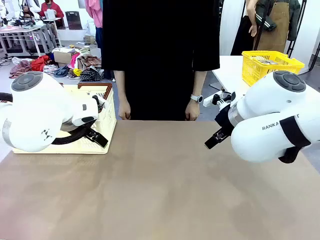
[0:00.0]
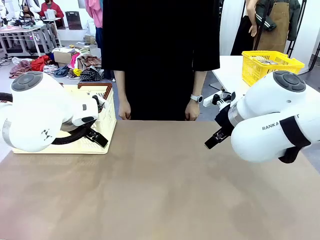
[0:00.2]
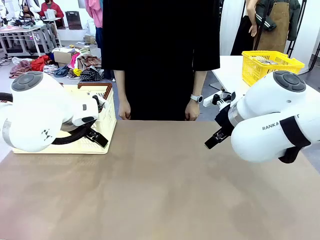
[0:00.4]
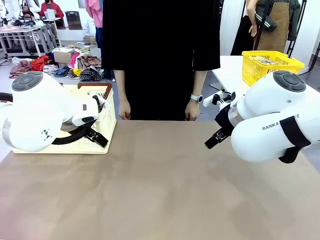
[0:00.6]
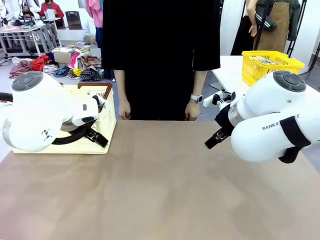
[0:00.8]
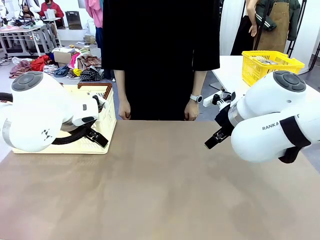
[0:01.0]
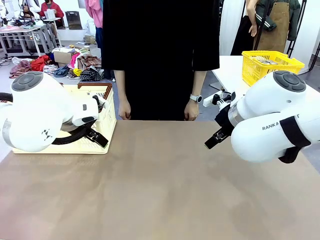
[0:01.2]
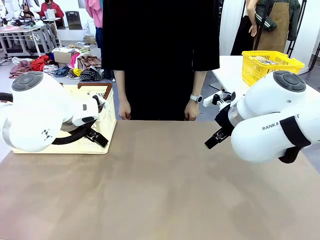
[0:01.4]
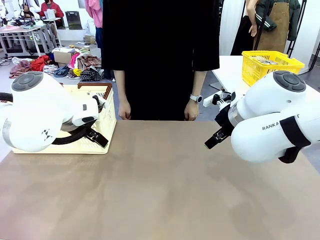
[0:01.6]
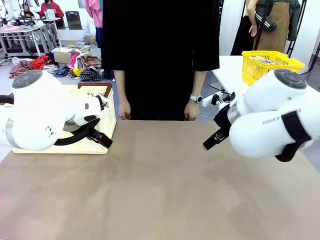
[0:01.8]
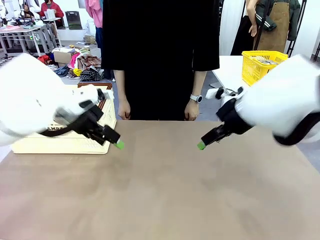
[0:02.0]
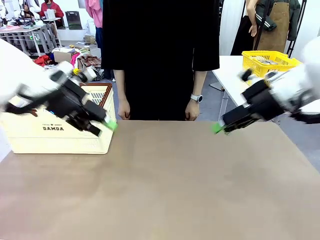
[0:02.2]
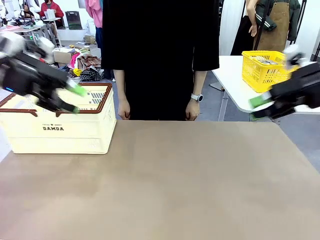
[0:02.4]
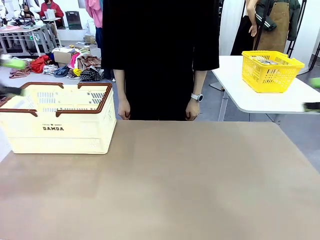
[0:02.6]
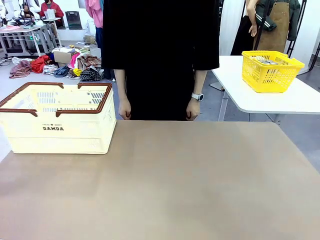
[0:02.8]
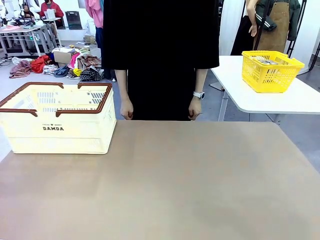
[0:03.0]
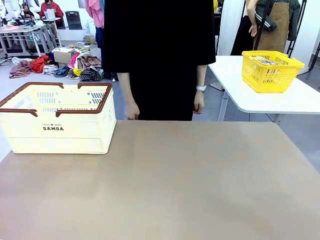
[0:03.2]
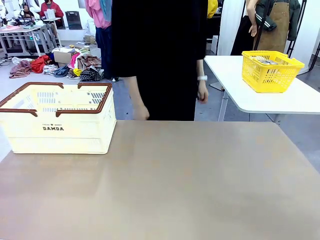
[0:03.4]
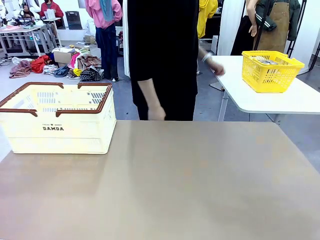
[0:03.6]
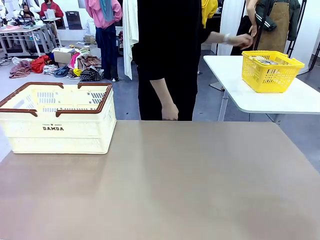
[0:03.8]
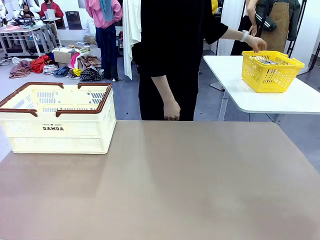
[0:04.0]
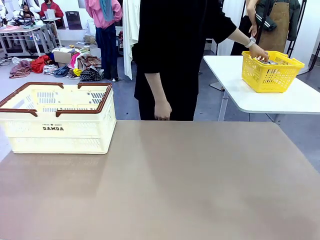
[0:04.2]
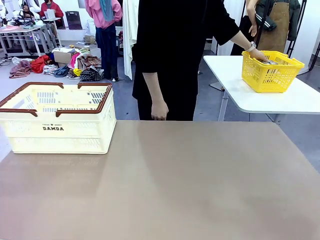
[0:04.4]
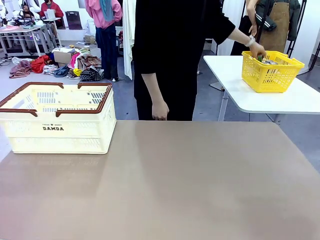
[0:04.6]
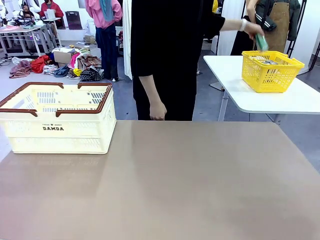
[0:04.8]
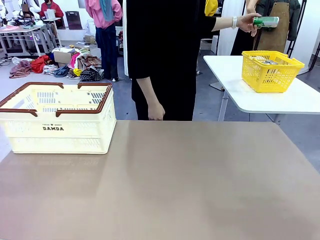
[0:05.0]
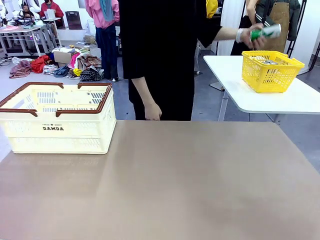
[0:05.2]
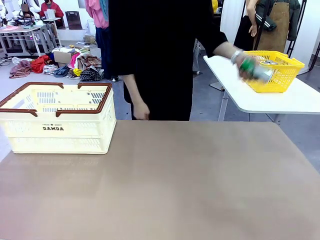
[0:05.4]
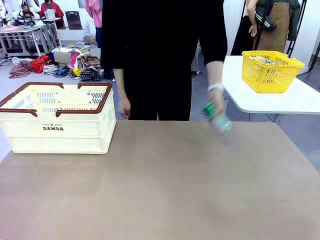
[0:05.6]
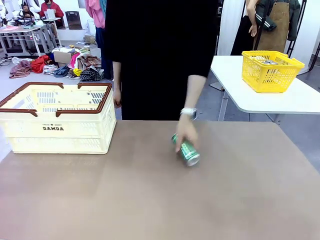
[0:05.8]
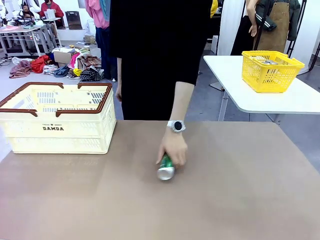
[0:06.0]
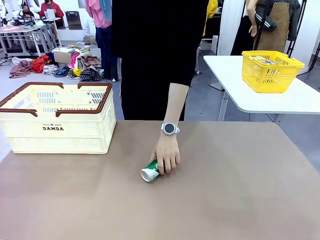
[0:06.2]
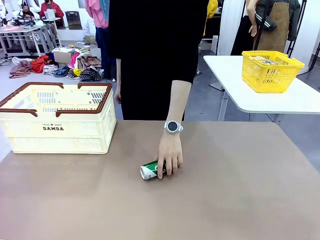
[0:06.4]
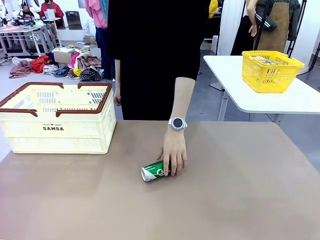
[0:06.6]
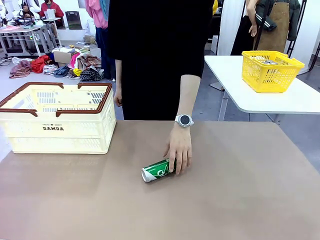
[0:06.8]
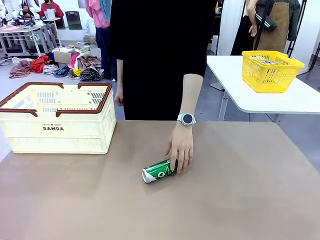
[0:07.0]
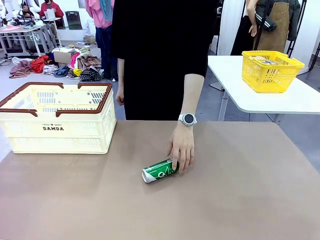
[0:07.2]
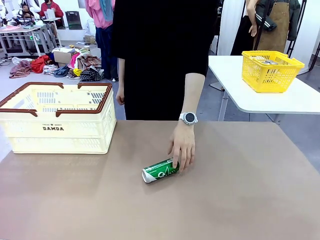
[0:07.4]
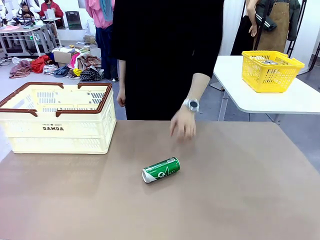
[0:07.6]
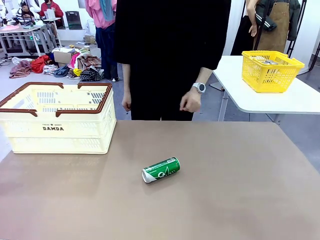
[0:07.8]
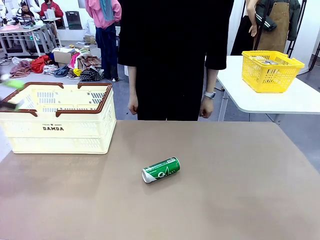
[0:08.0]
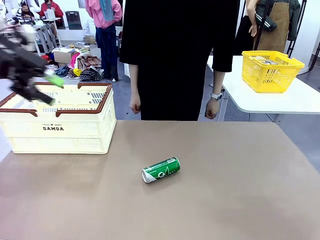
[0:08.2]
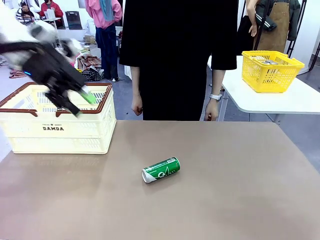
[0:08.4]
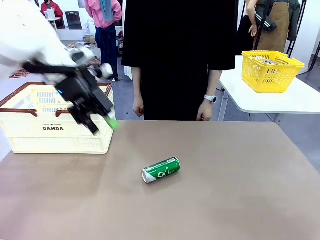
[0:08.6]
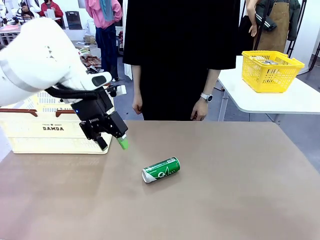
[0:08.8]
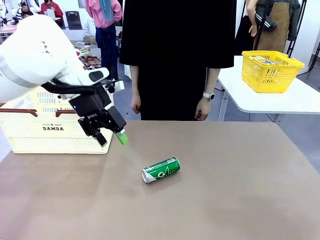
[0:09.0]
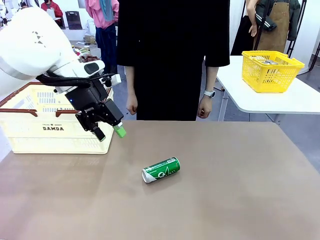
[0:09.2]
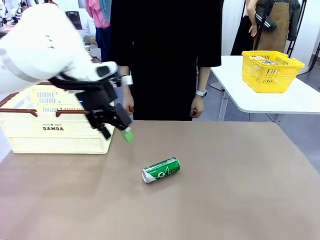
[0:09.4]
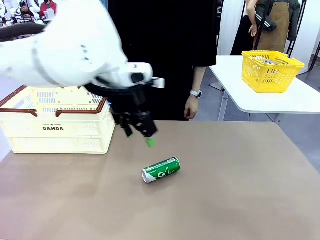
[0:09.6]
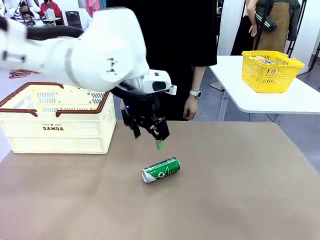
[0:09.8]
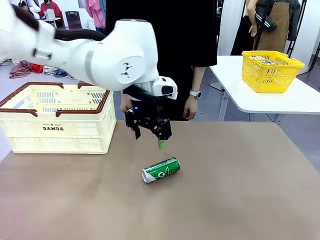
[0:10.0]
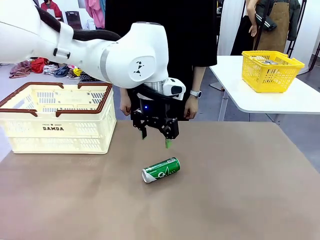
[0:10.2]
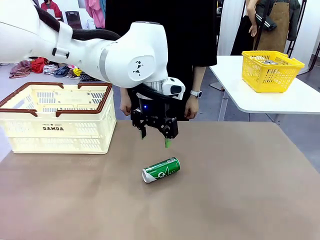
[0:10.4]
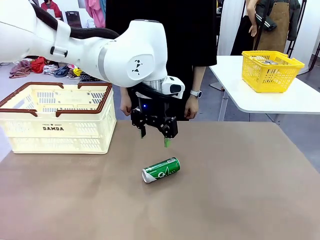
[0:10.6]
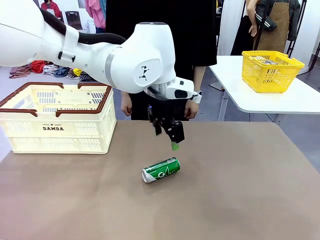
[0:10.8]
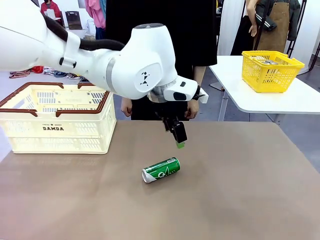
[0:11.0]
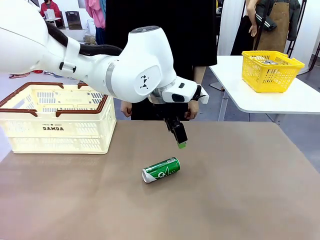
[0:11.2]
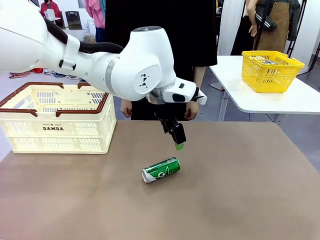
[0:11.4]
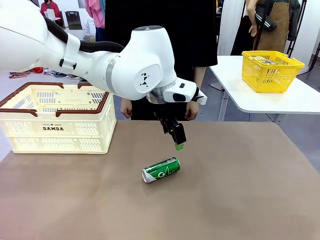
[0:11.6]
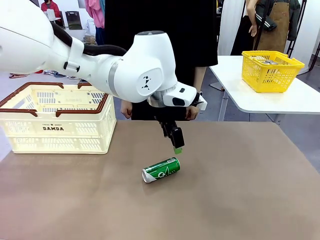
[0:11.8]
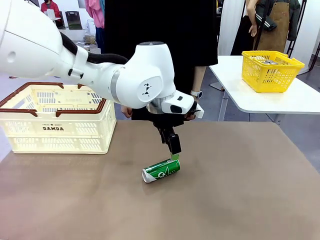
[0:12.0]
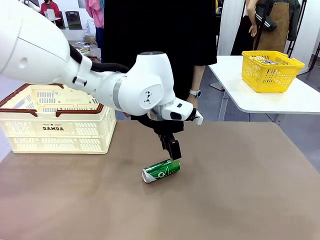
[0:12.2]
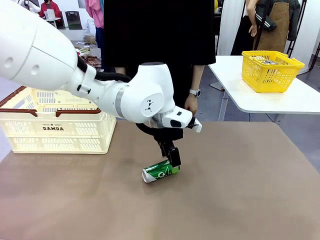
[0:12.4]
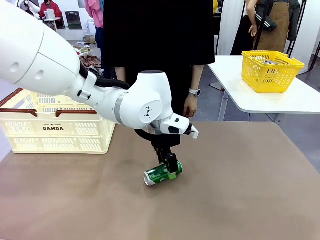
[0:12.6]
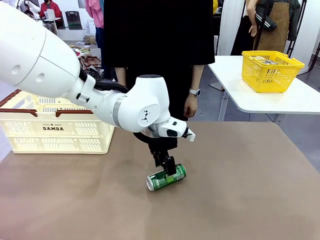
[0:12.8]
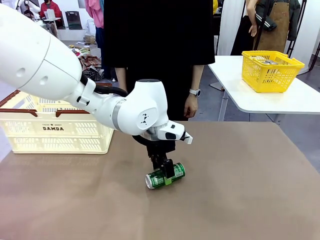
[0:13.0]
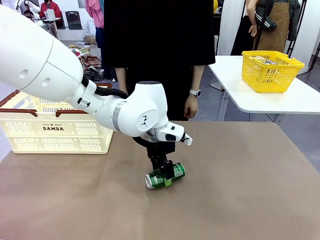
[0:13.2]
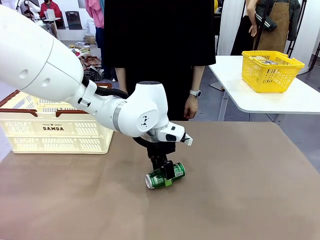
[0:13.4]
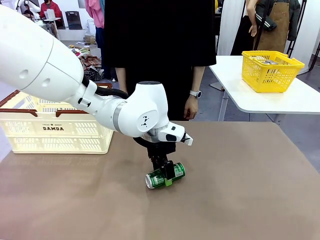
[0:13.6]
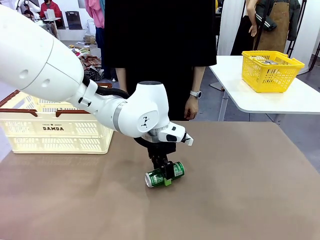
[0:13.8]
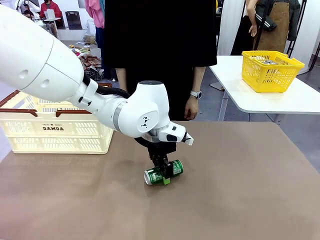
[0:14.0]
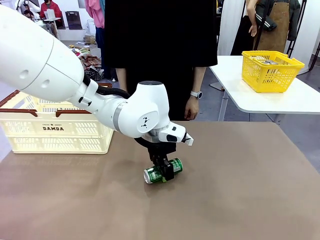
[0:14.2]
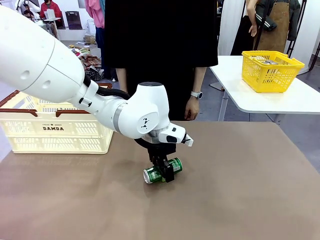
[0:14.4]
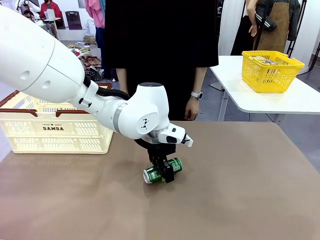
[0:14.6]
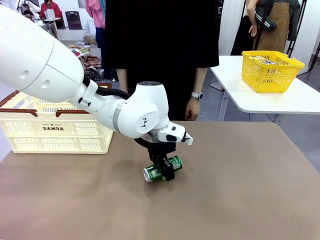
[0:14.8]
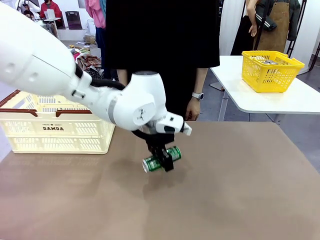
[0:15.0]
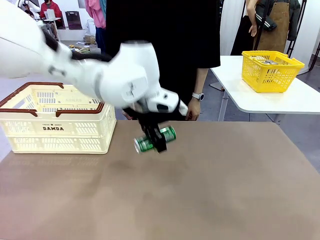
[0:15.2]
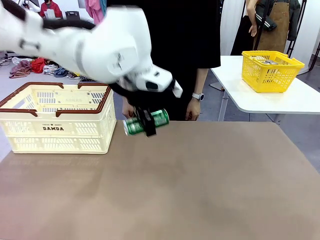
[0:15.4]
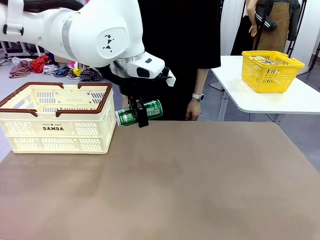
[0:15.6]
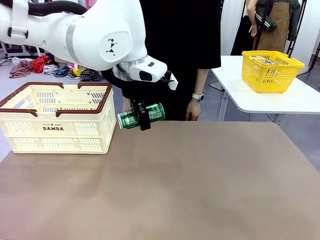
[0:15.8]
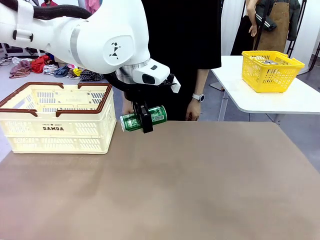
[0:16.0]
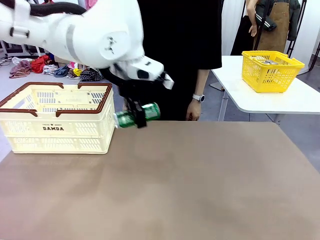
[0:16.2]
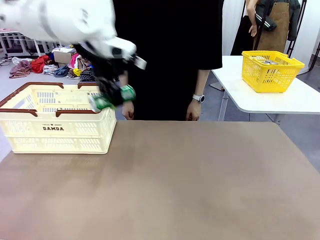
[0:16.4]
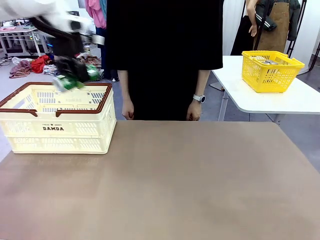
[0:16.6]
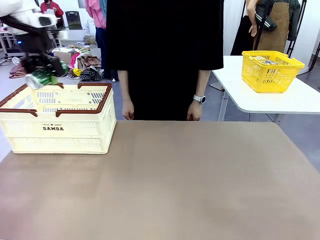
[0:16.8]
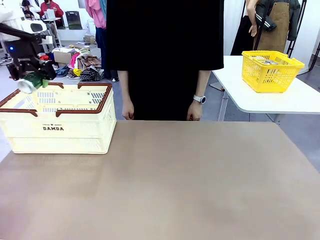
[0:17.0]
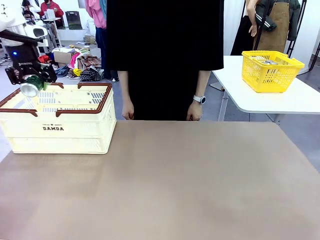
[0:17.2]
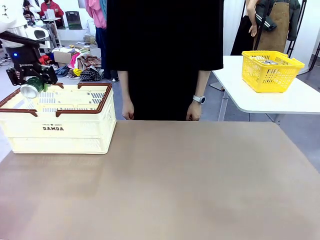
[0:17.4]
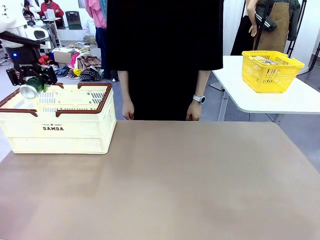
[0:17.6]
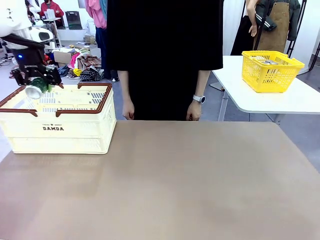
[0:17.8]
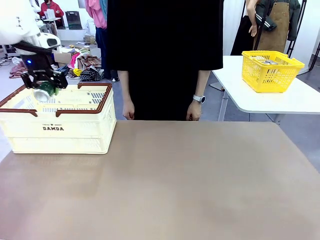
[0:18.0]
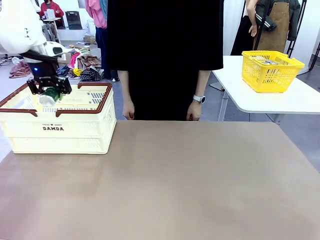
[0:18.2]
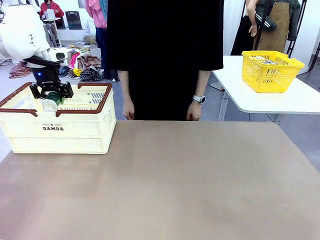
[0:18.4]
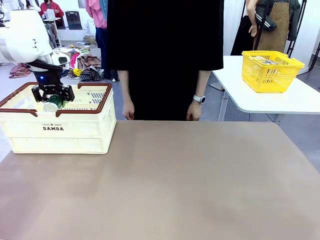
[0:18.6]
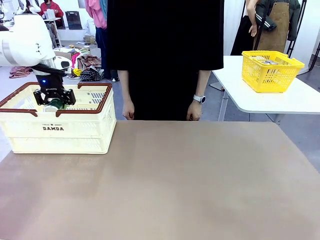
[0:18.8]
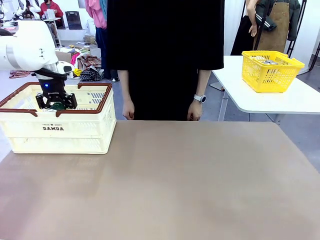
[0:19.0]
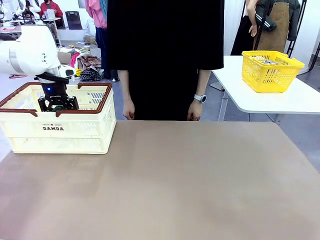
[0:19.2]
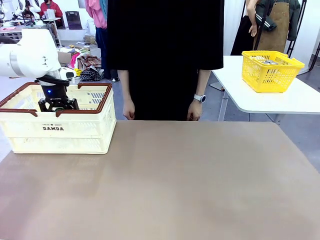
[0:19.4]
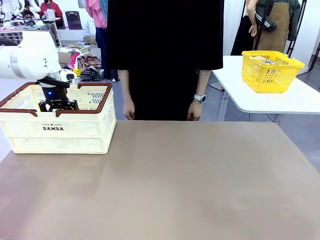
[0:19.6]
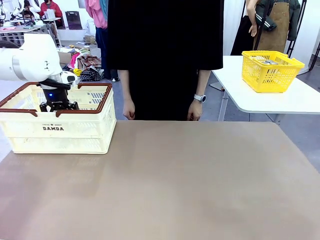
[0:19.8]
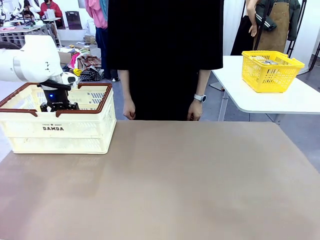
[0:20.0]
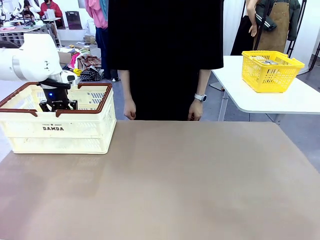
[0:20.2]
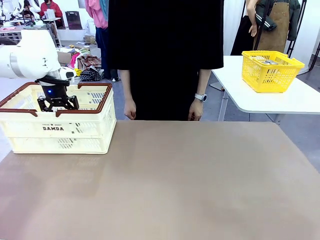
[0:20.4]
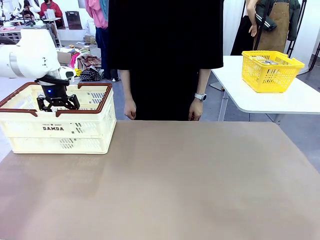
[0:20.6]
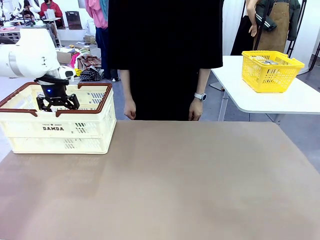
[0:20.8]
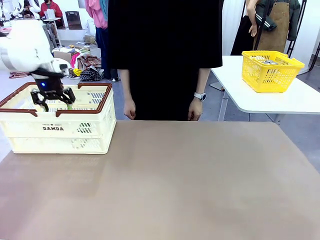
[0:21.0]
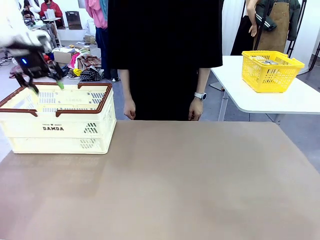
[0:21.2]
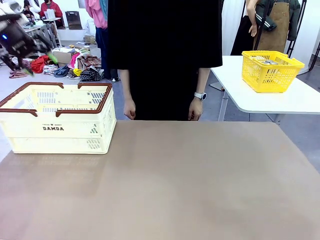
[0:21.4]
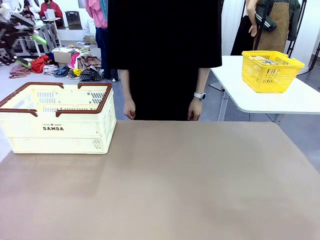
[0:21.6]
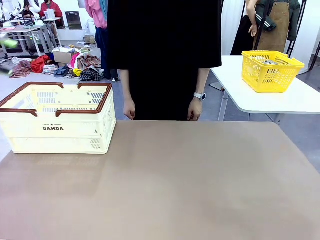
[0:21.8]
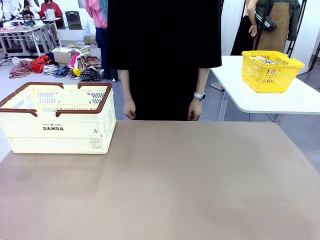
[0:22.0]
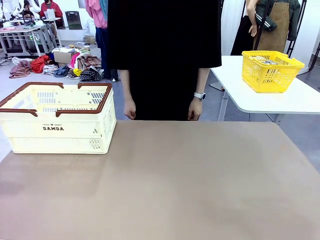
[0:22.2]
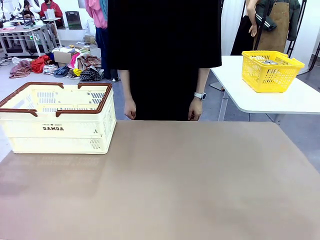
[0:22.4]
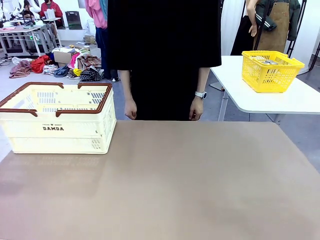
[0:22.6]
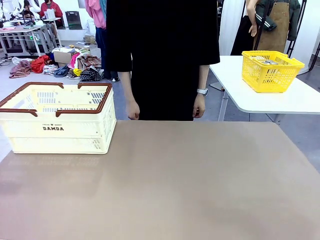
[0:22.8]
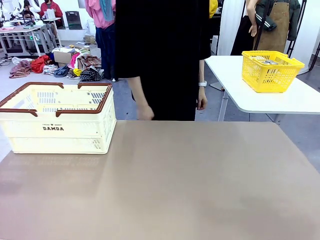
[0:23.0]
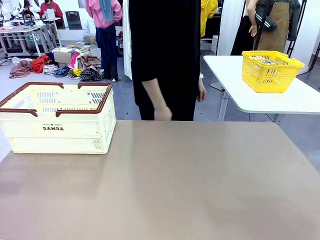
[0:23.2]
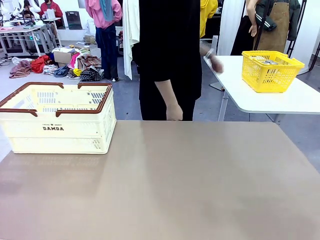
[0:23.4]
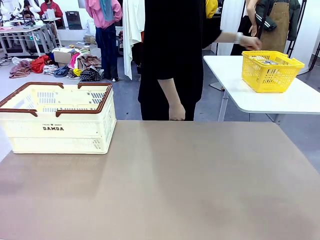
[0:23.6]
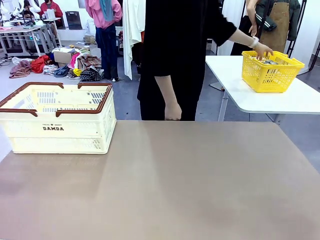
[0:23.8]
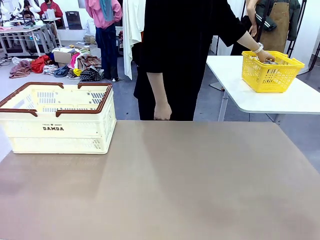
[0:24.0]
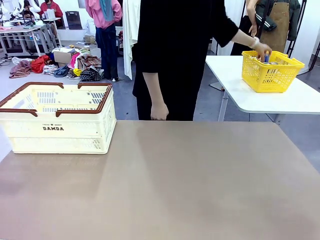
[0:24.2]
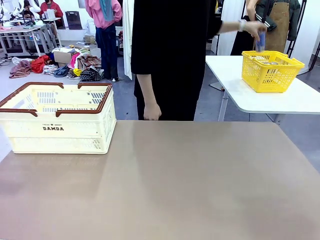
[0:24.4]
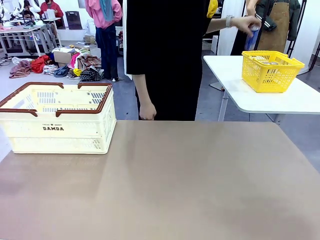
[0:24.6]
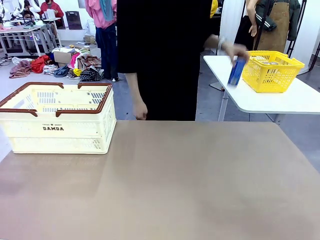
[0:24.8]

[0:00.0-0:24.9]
Task: Place the drinks into the Shopping basket.
Robot: Pick up one drink and place it into the Shopping basket.
